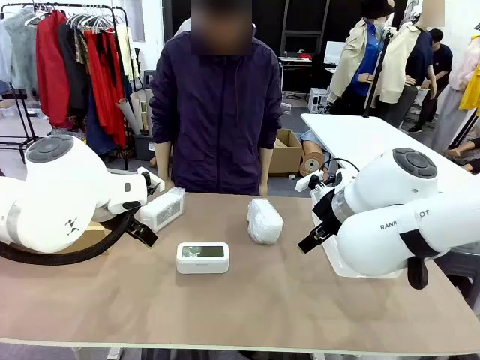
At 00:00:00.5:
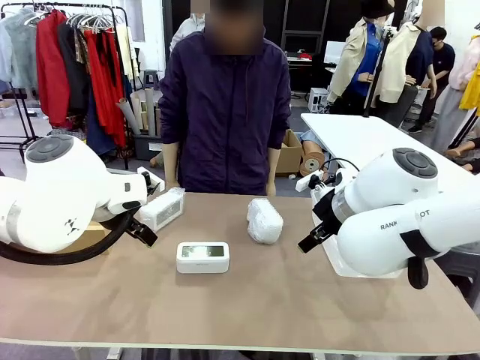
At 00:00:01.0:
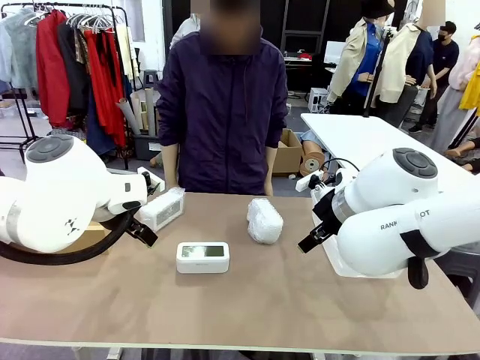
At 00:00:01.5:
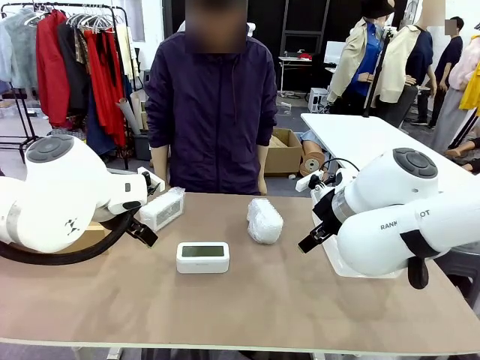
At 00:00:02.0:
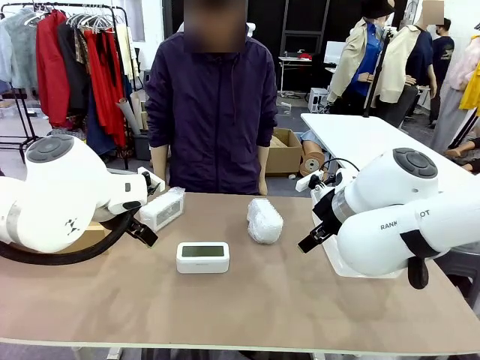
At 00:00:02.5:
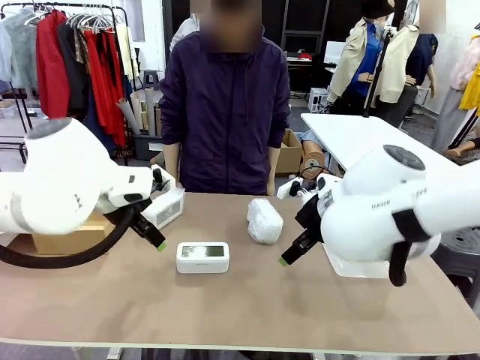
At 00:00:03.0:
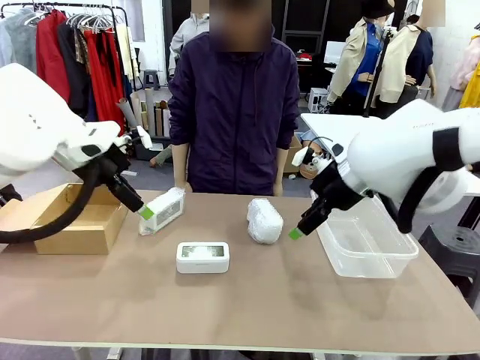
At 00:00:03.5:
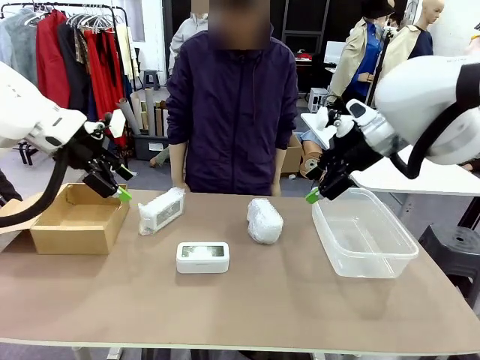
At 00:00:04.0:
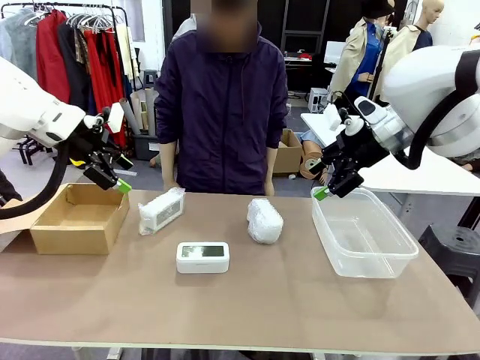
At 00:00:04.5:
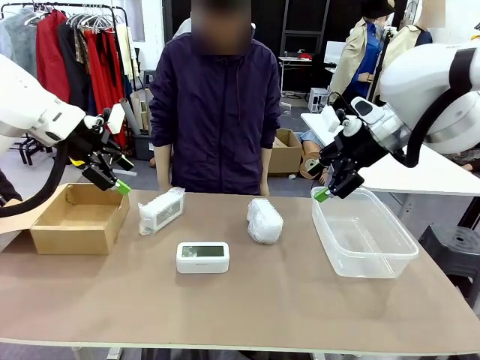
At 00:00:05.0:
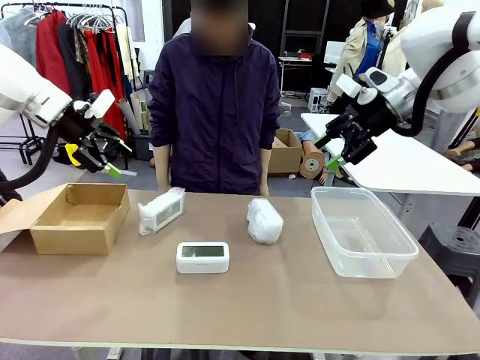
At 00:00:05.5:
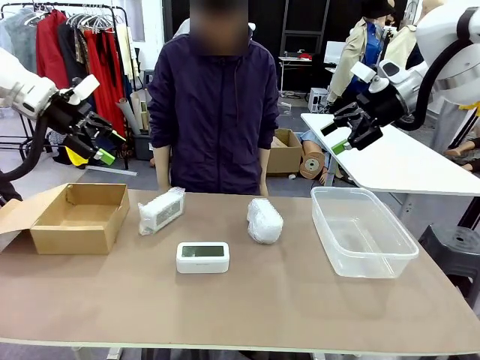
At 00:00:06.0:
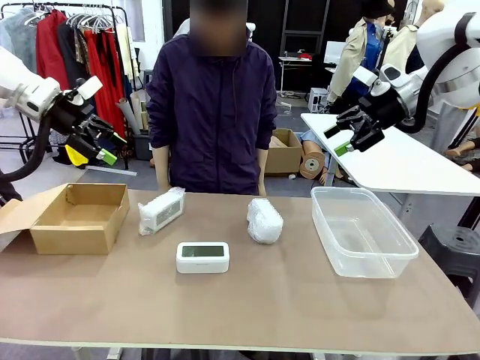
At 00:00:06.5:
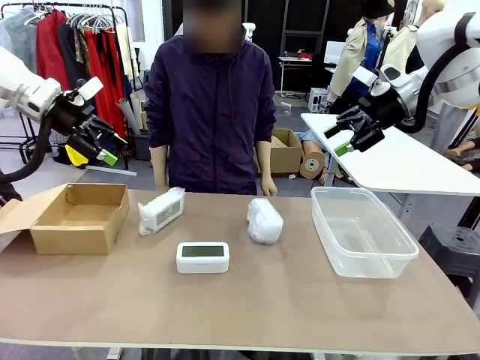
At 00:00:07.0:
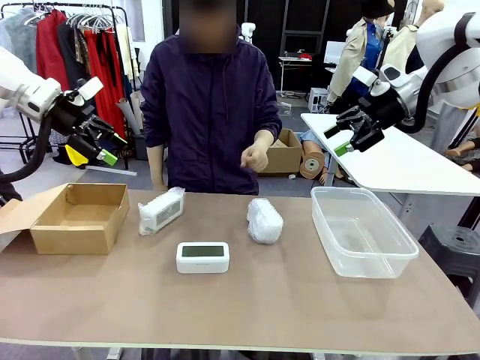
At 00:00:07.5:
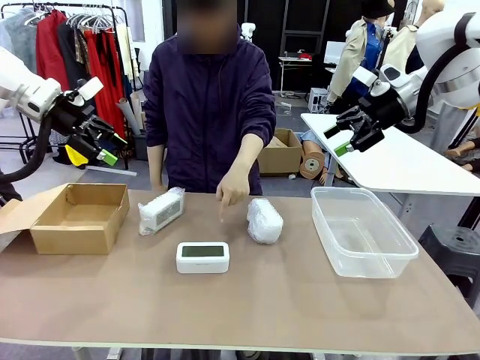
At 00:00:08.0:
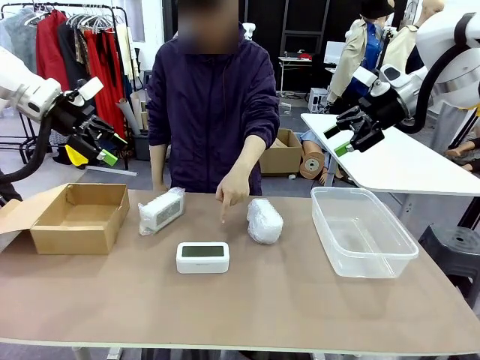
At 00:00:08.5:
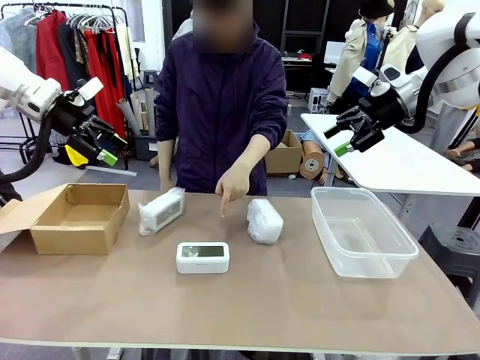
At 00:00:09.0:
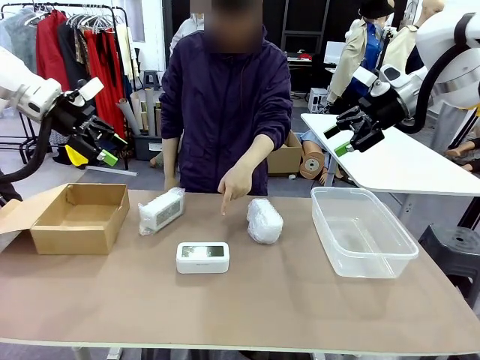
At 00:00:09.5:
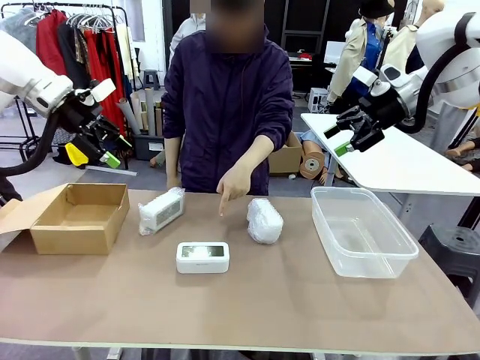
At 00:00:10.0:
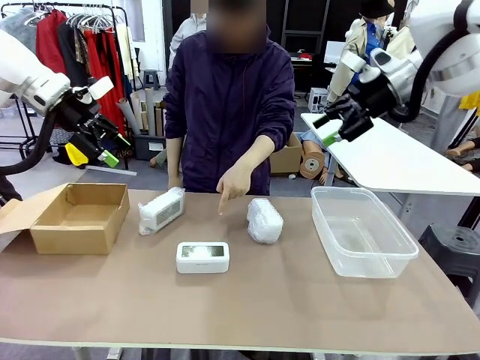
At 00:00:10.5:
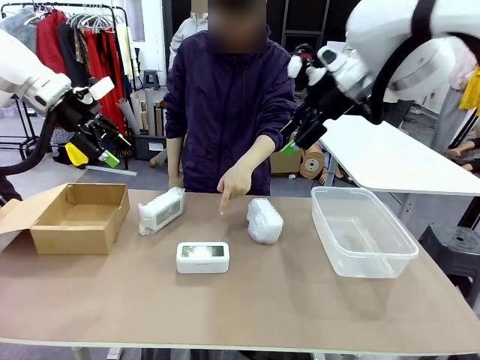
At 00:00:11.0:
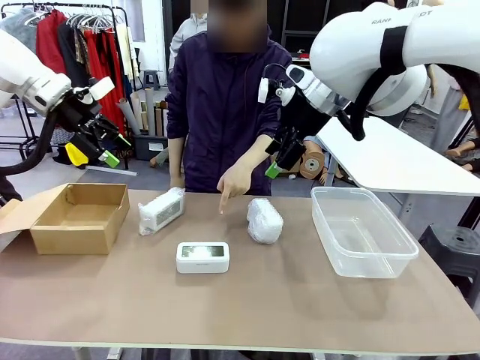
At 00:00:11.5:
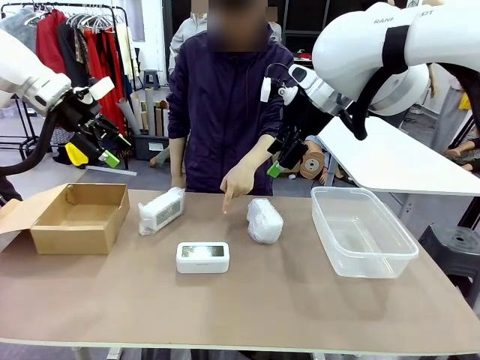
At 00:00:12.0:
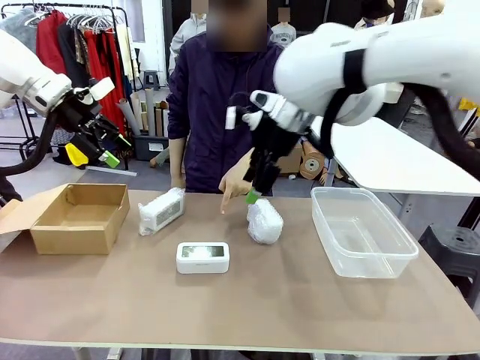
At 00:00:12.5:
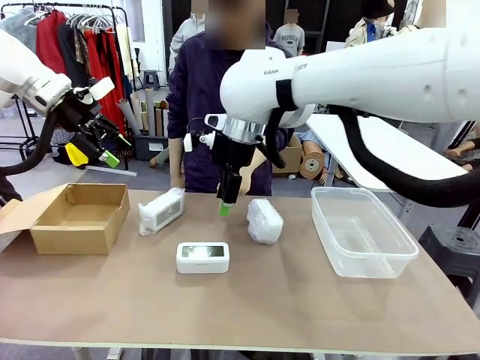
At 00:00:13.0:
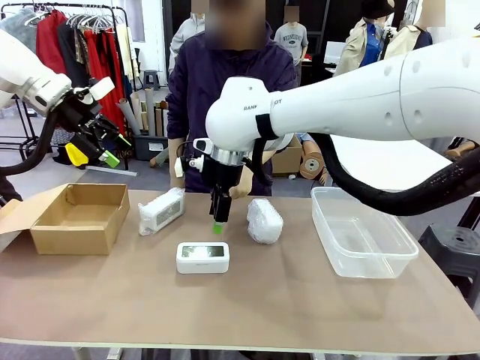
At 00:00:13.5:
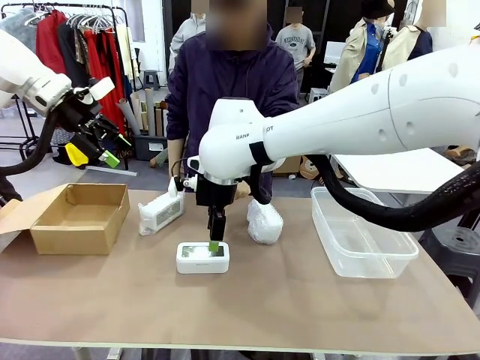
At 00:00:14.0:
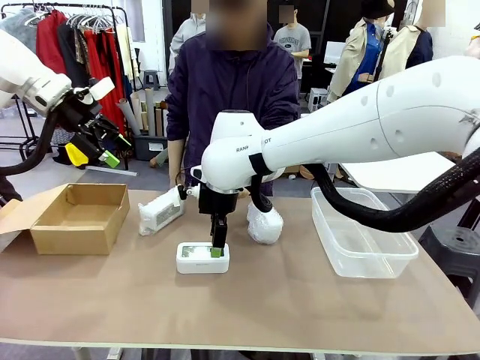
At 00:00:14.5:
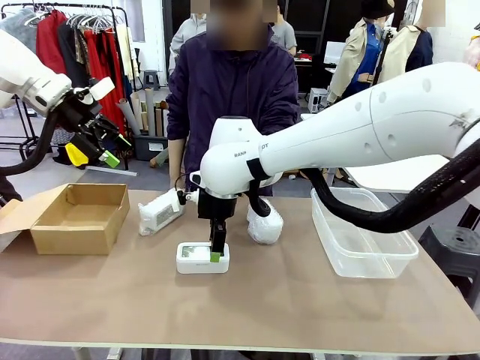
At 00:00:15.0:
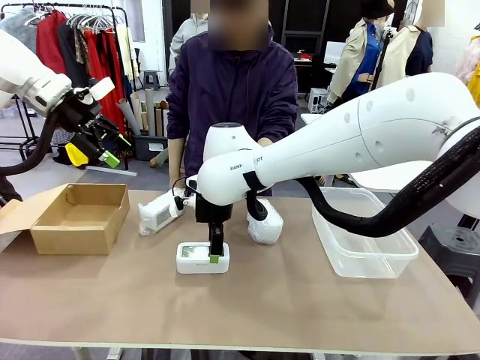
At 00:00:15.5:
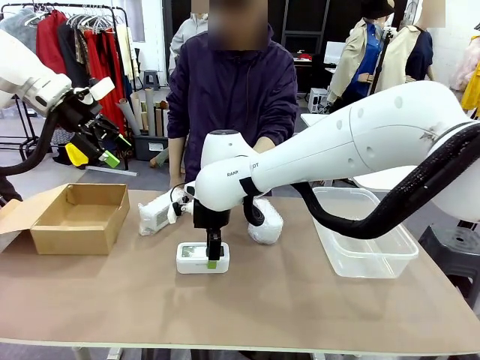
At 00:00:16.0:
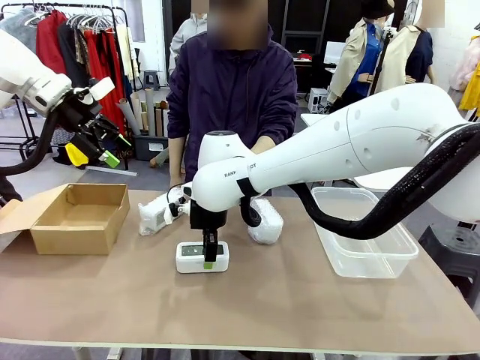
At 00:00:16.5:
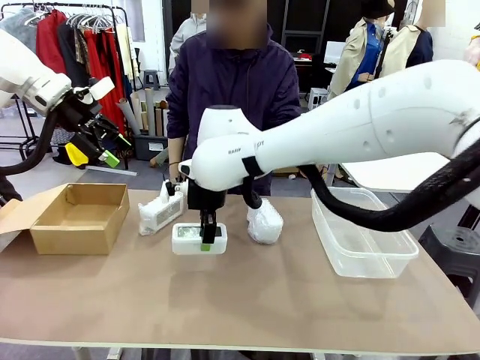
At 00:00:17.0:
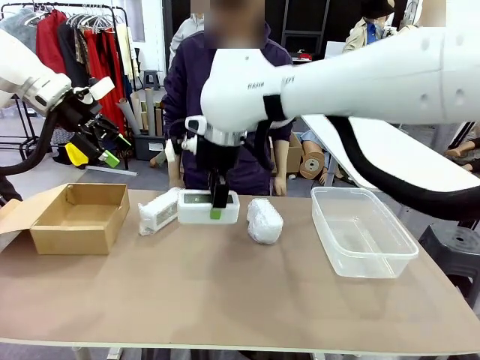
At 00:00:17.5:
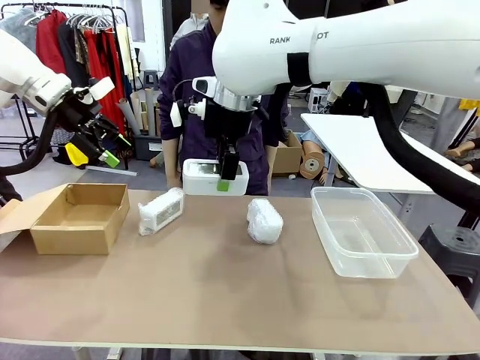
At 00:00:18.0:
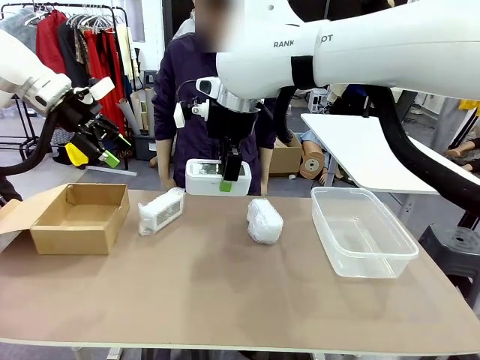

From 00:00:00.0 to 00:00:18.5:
Task: Separate and place wrapped and unwrapped clocks.
Robot: Pick up the Digital clock indicated by the person.

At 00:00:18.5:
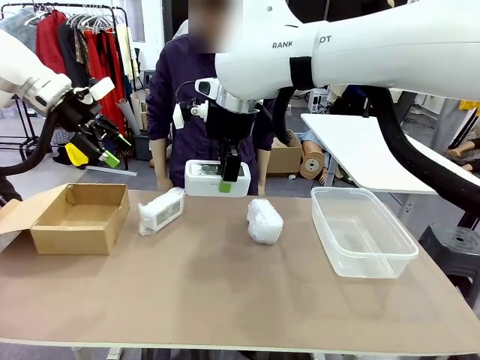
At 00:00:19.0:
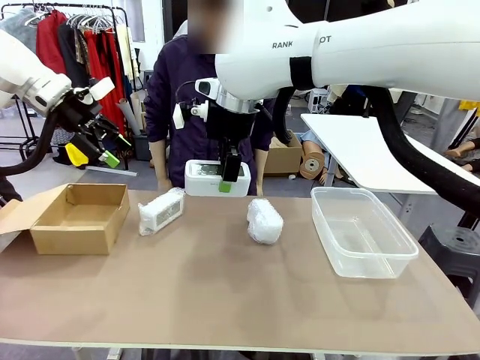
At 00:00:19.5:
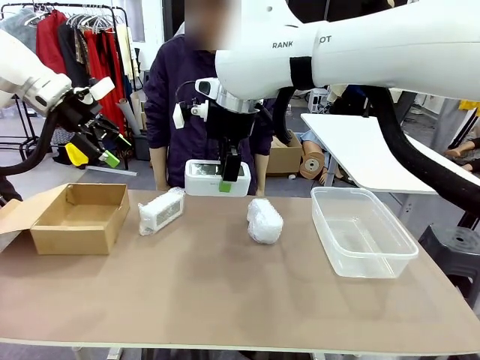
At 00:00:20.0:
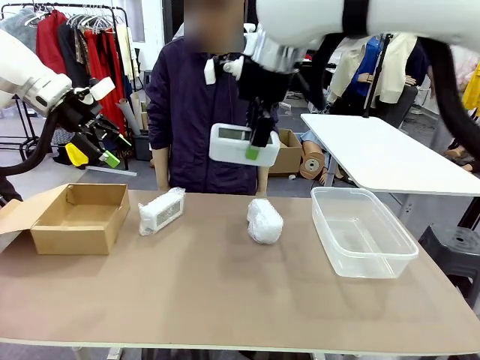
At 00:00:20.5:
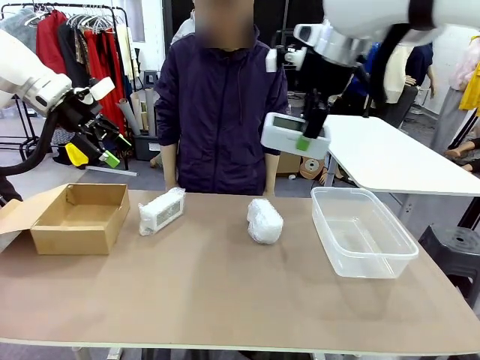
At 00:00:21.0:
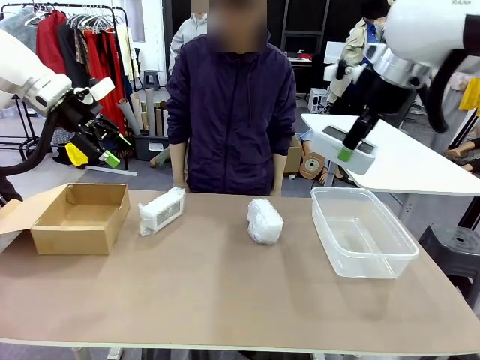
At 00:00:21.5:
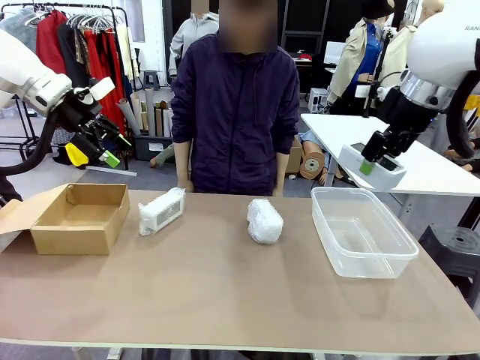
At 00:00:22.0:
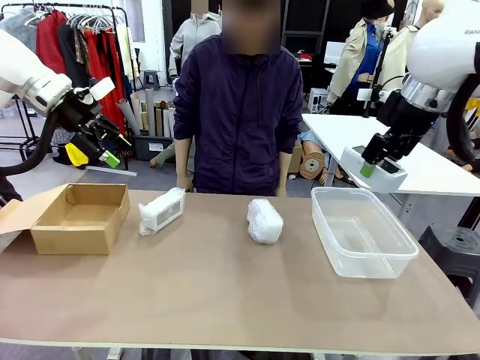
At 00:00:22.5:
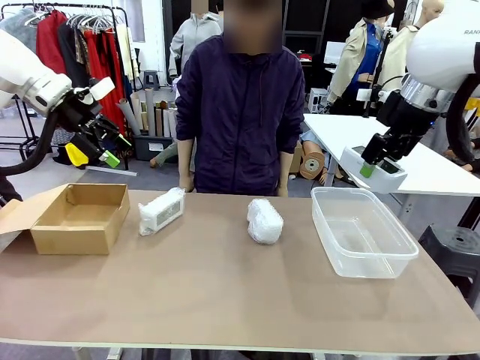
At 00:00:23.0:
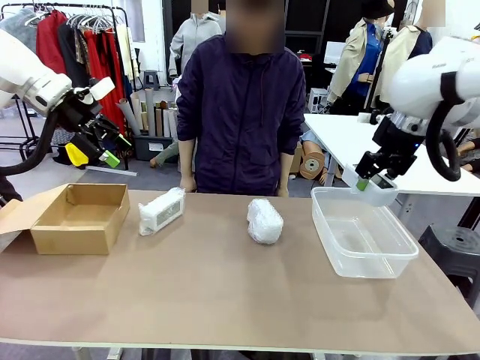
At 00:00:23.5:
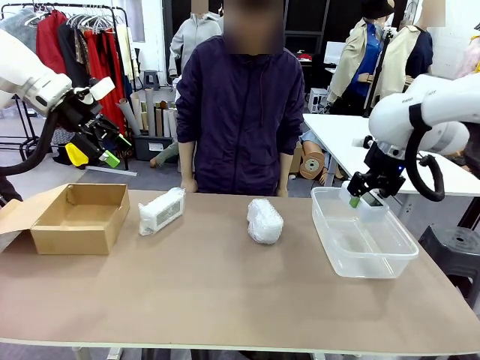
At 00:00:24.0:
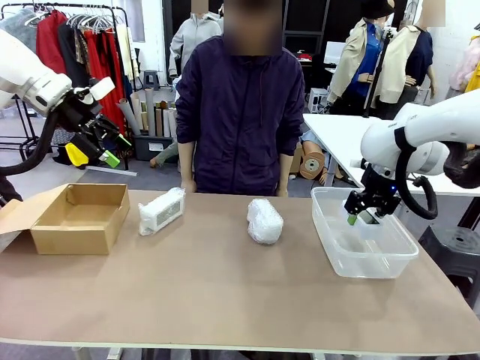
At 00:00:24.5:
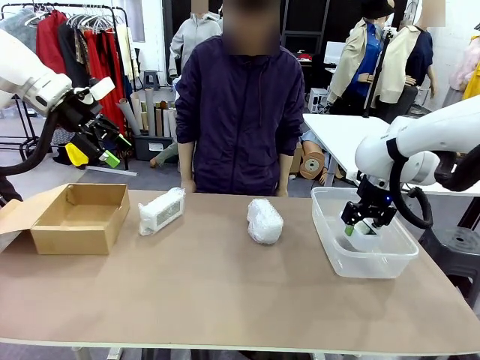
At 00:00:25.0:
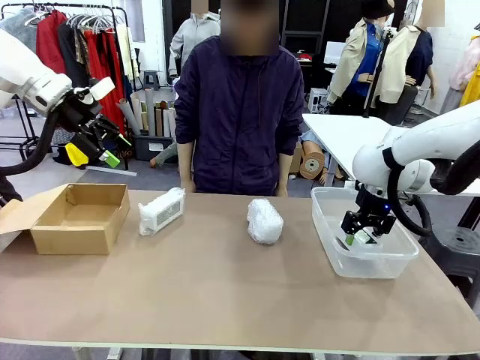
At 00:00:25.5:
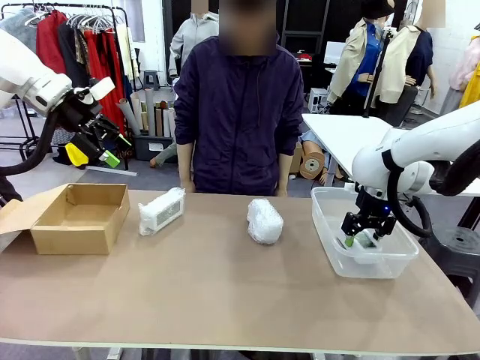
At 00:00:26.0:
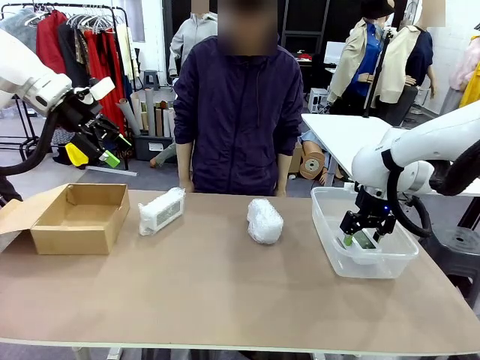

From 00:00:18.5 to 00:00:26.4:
Robot: If the picked Digital clock is wrapped, place it in the Package Box ; if not, place it in the Organizing box.
